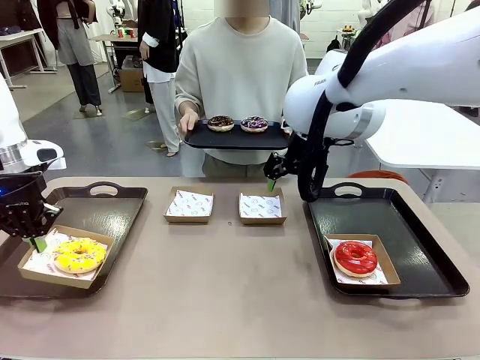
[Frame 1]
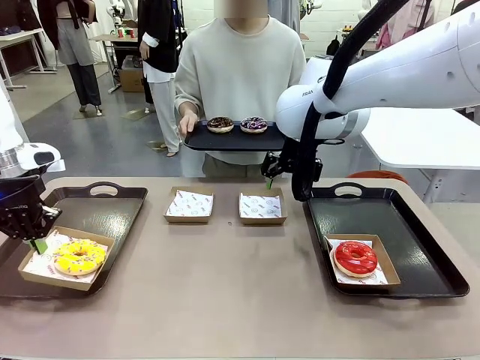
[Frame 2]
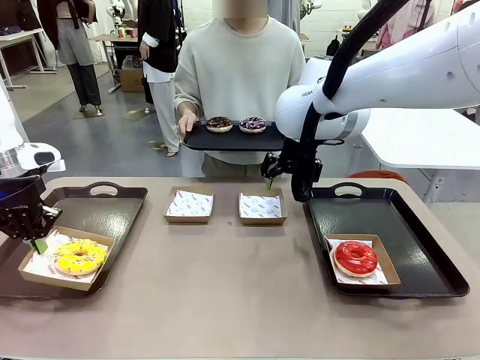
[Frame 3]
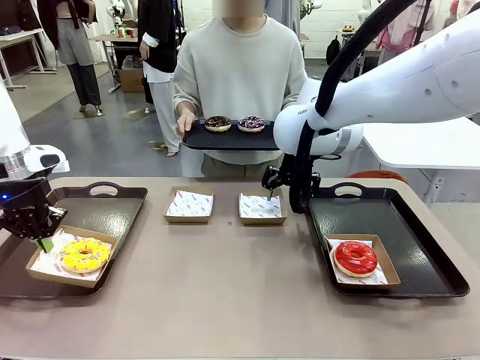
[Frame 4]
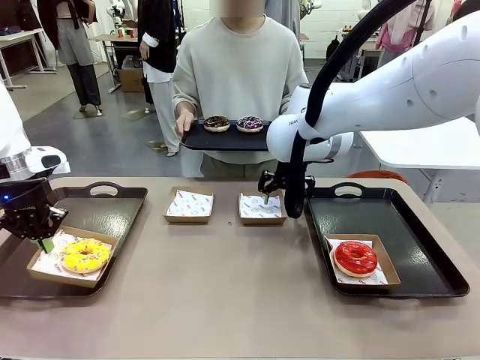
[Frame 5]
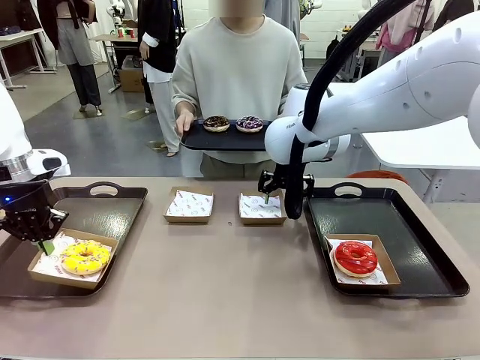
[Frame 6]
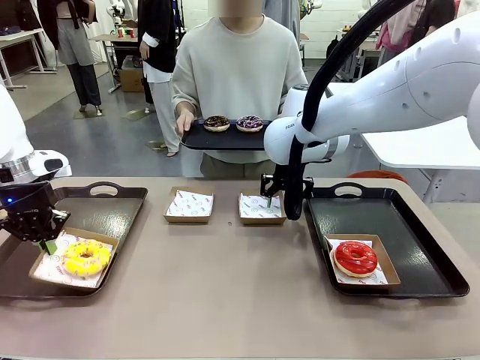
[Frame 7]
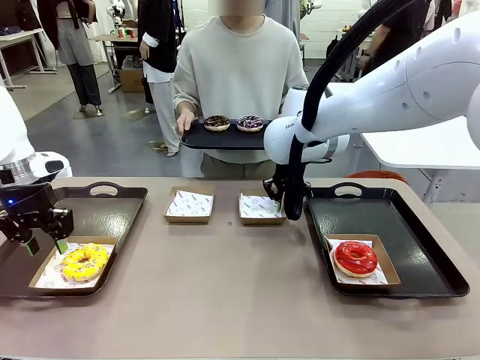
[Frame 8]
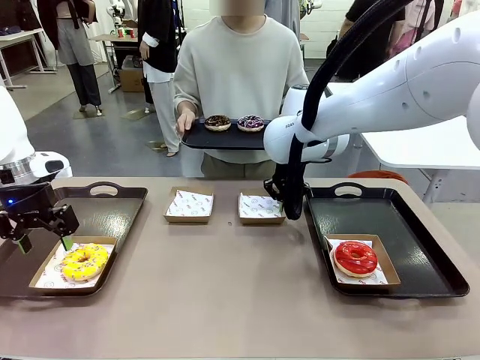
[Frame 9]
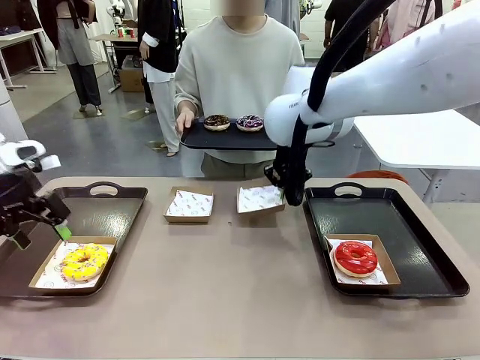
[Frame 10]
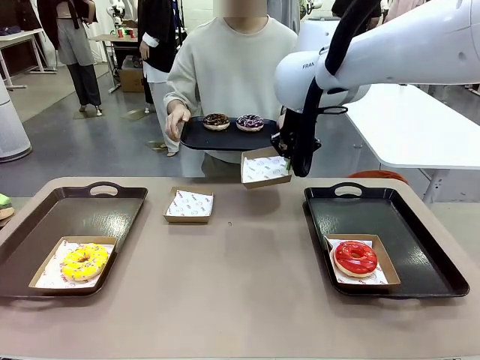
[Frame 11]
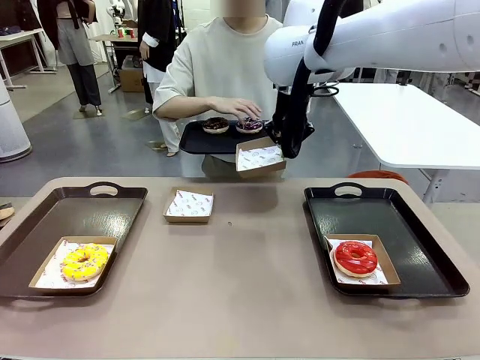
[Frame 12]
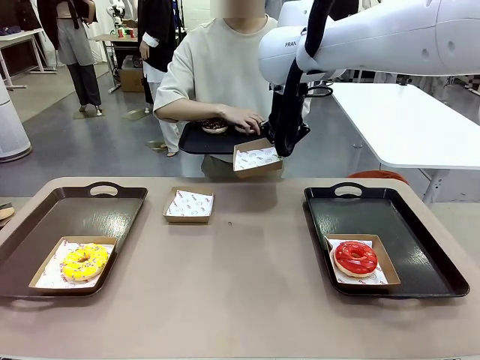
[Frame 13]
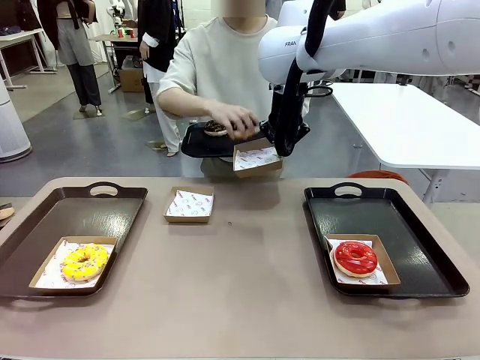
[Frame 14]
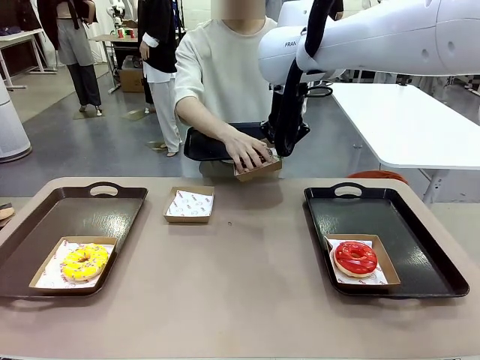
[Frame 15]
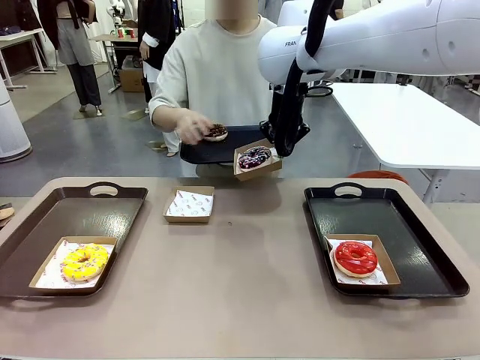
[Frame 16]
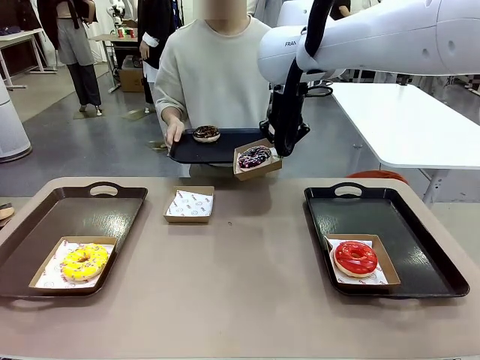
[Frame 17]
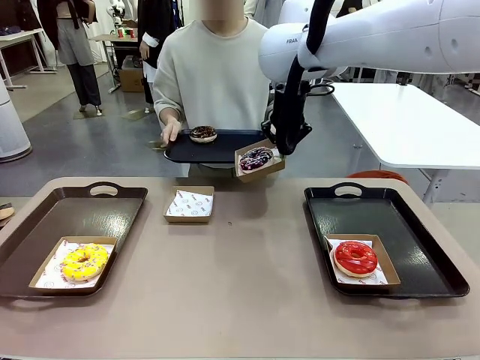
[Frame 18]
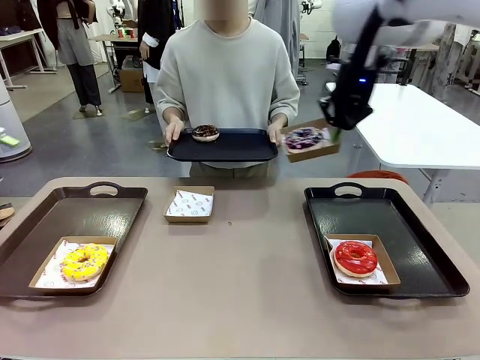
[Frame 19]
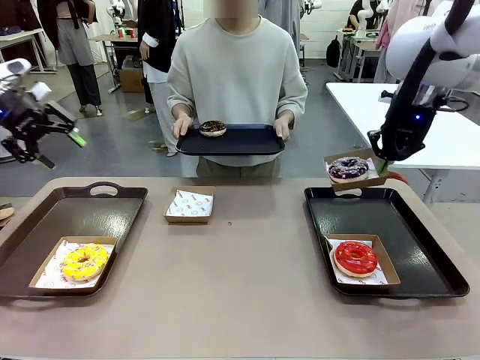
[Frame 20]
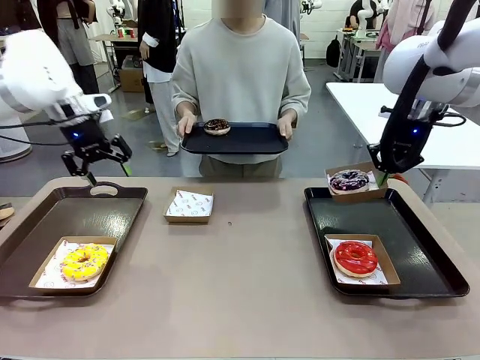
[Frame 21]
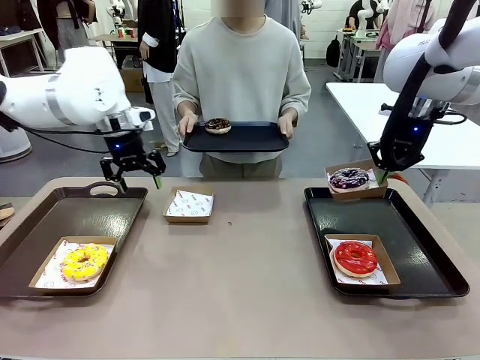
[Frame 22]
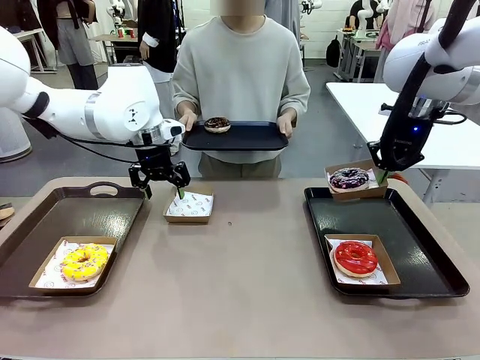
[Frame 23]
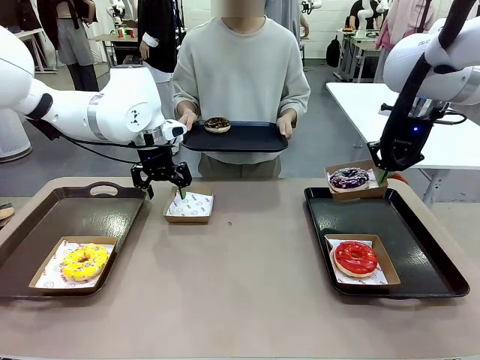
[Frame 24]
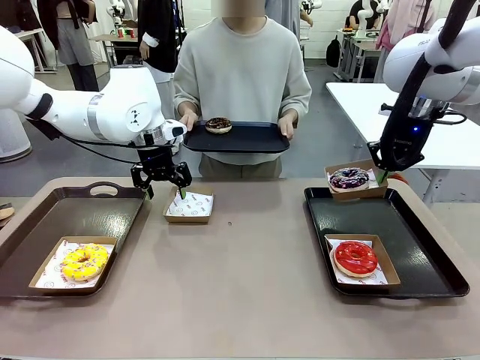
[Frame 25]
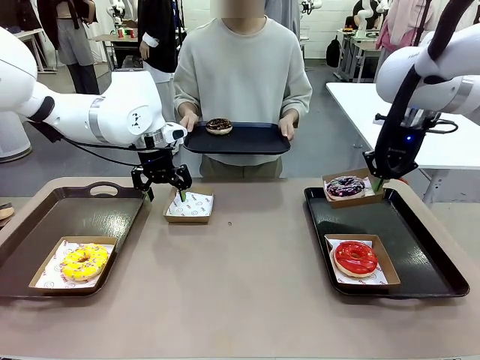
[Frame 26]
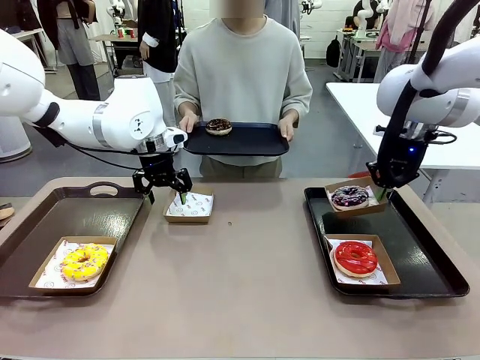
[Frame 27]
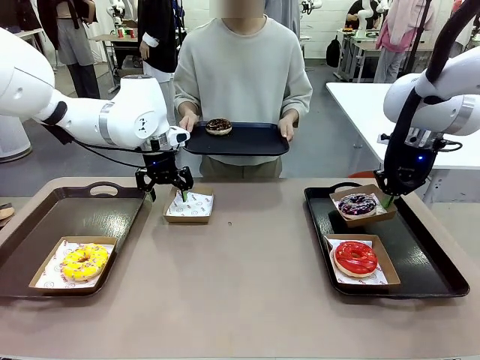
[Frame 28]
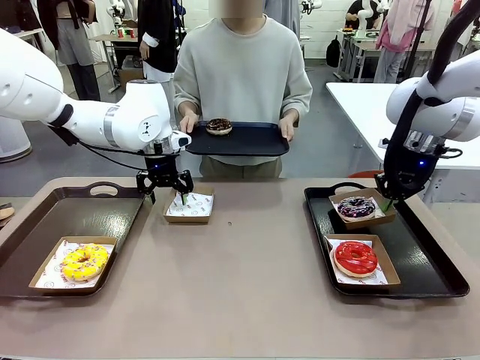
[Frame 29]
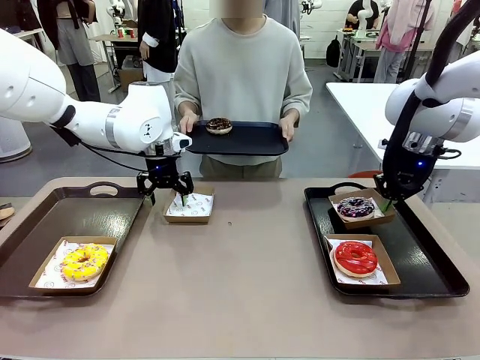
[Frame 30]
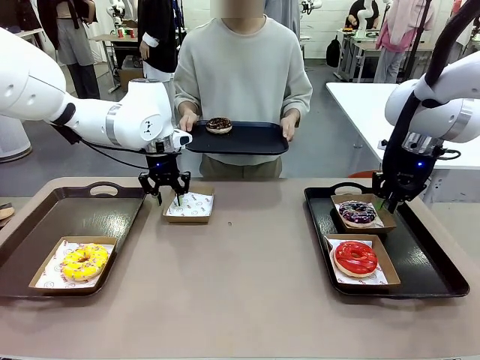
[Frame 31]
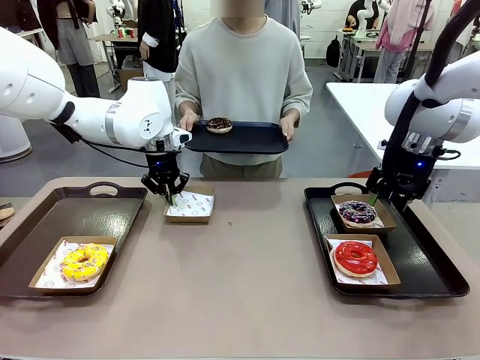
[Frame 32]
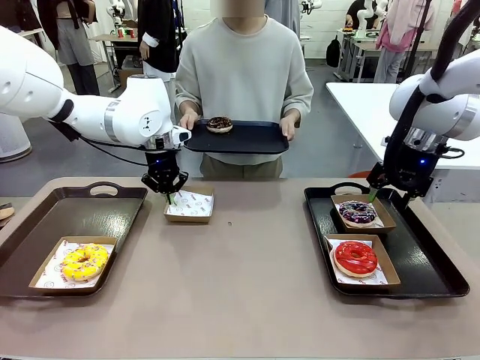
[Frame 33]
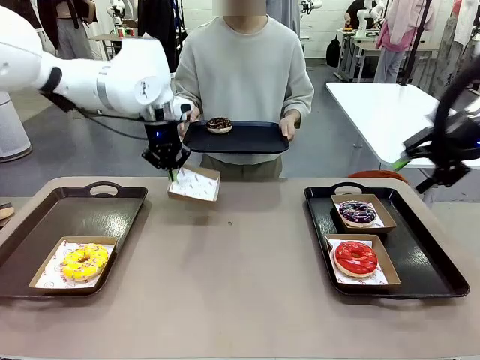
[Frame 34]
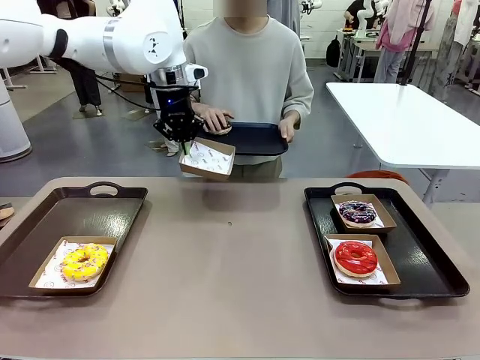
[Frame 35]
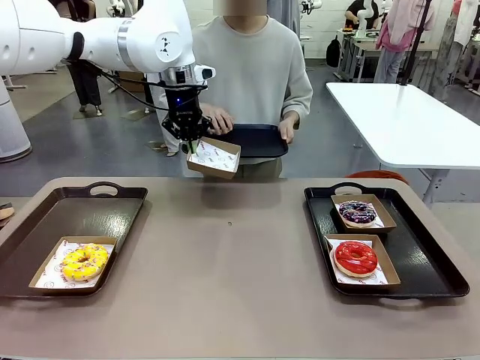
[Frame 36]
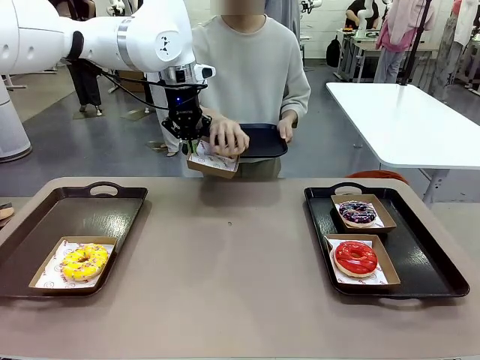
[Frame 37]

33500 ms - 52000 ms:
Task: Individually package the donuts and arrange them on the tray.
Robot: Place the picked Paper togo box on the Handle tray while simultaneously picking up another Paper togo box from the table with the other hand.

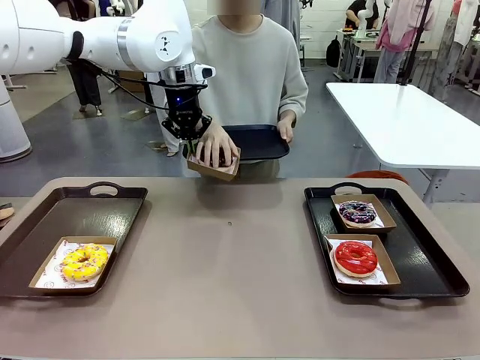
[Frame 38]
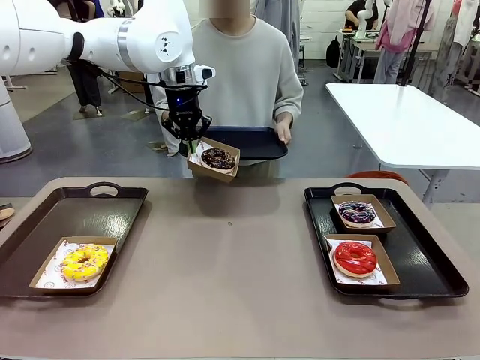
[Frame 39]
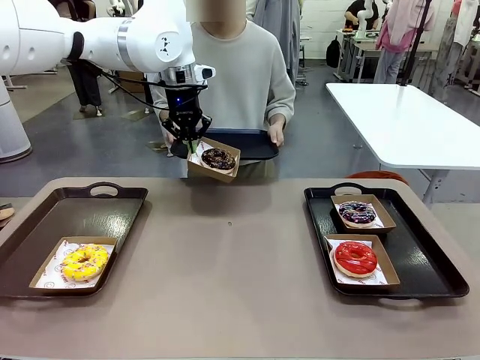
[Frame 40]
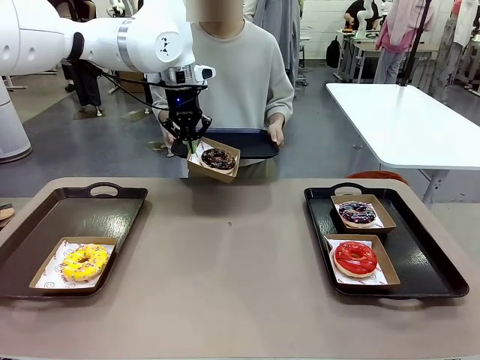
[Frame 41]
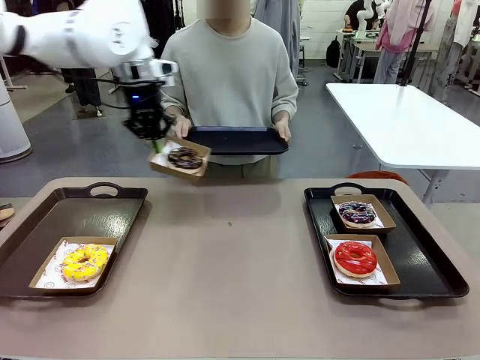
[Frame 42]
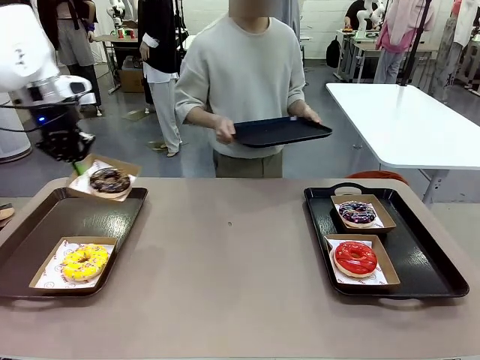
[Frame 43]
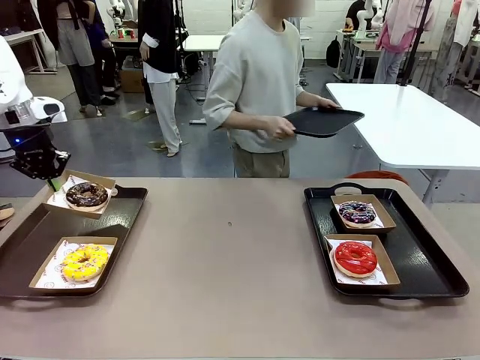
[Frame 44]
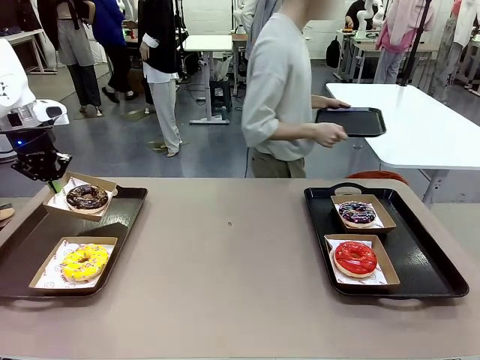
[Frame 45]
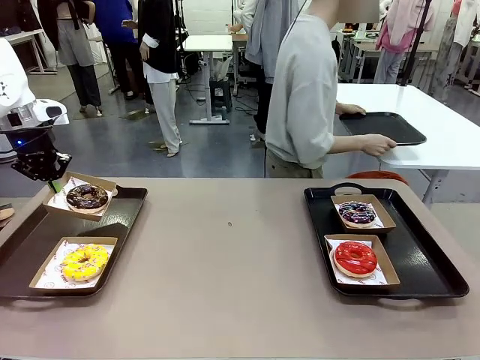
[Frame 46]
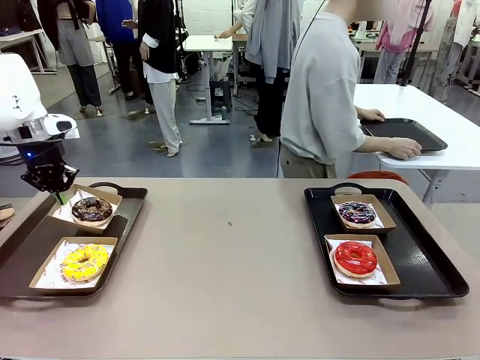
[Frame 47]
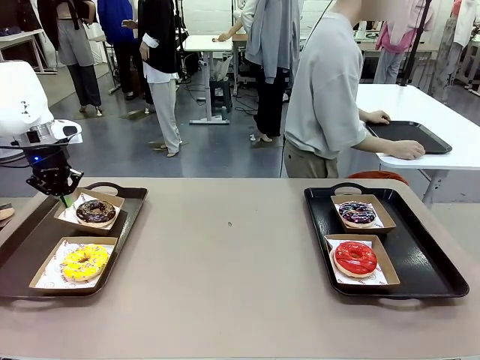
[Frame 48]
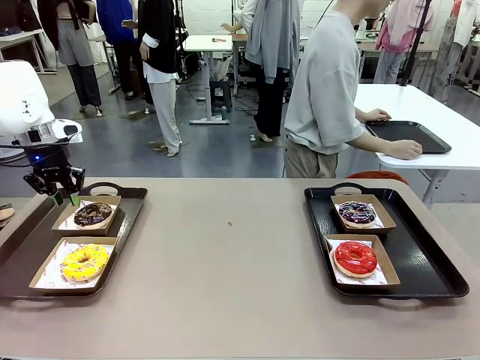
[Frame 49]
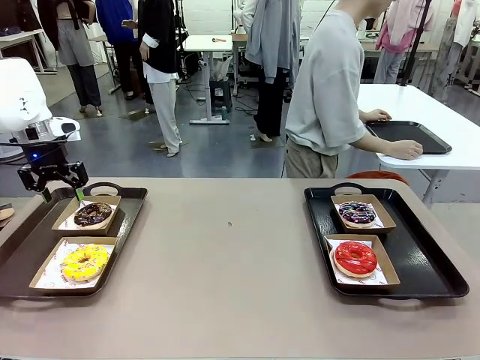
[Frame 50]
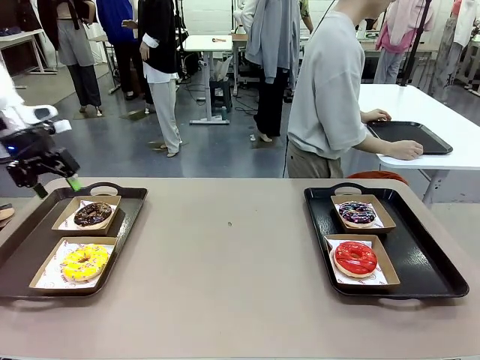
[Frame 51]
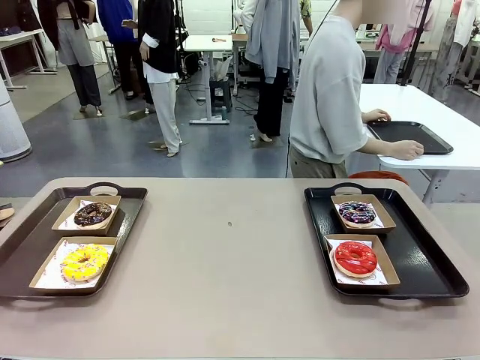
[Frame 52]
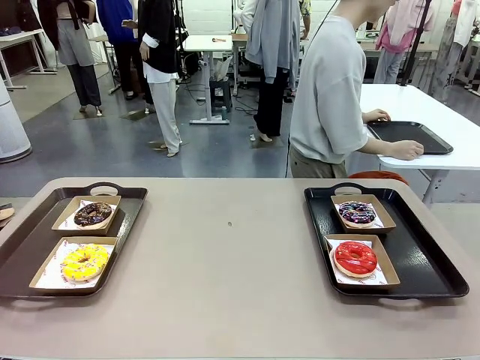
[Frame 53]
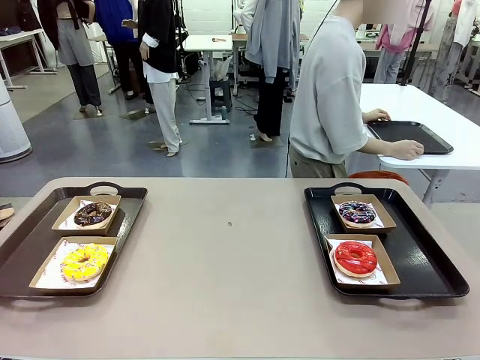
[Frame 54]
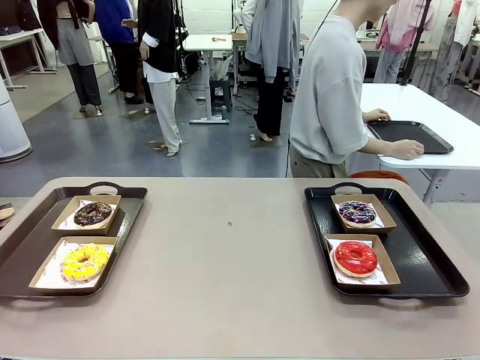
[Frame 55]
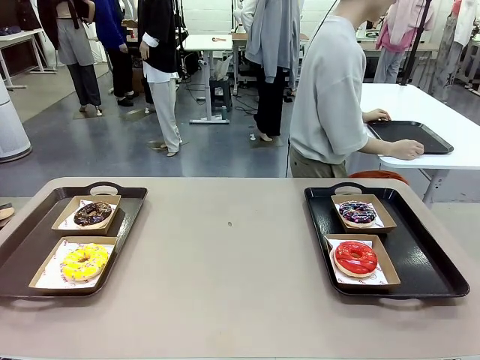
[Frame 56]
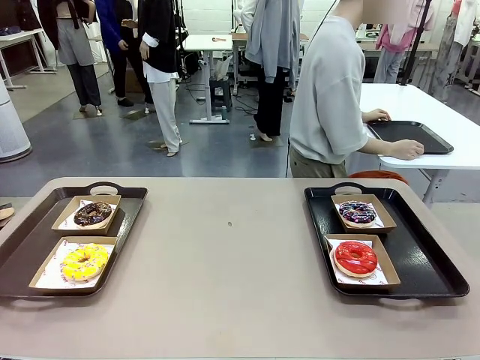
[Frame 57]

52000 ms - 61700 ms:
Robot: Place the picked Paper togo box on the Handle tray.
Person: Place the tray down in the middle of the human table.
